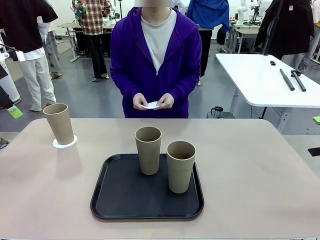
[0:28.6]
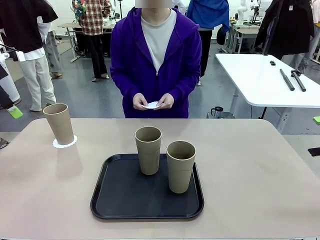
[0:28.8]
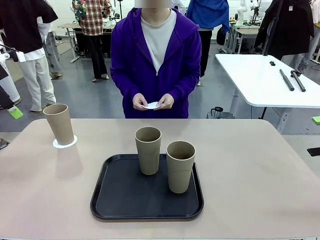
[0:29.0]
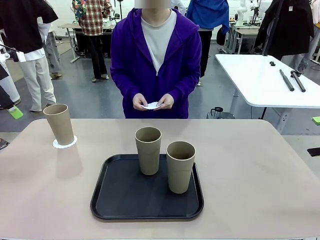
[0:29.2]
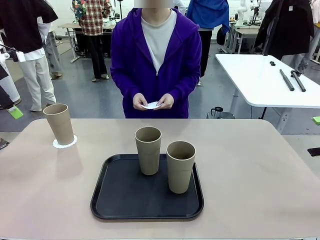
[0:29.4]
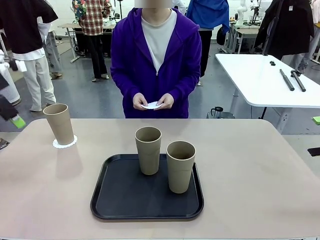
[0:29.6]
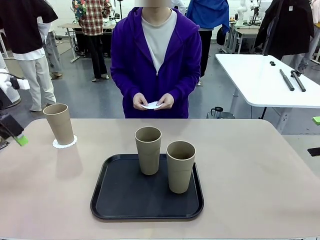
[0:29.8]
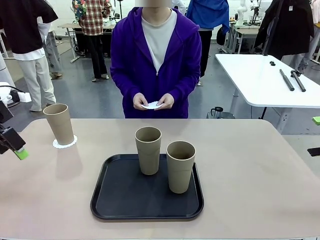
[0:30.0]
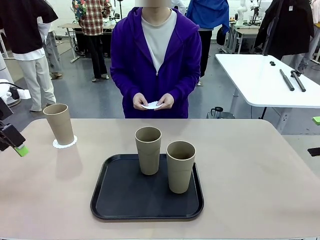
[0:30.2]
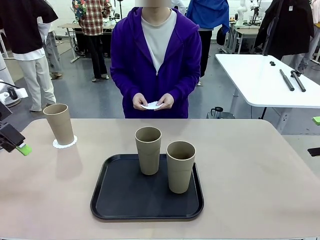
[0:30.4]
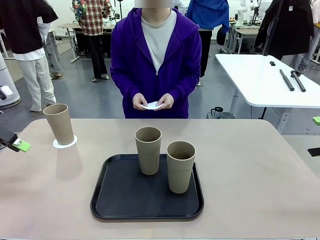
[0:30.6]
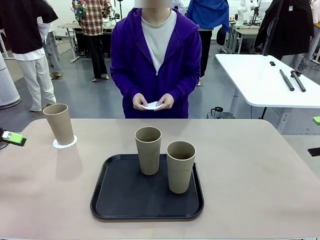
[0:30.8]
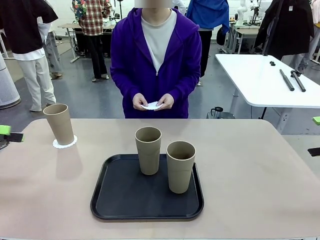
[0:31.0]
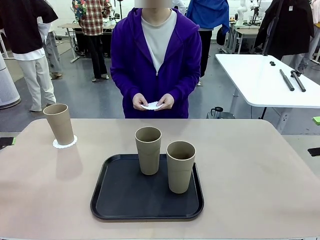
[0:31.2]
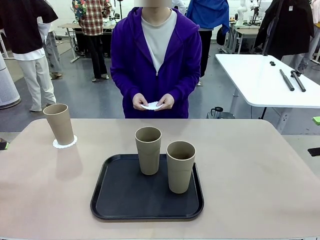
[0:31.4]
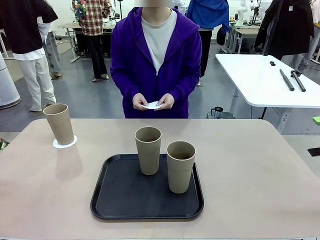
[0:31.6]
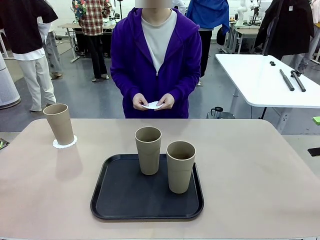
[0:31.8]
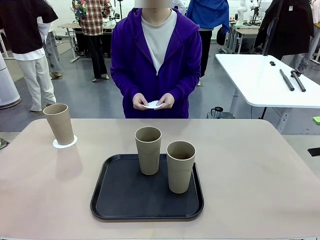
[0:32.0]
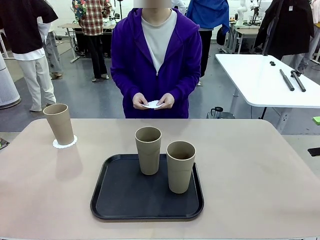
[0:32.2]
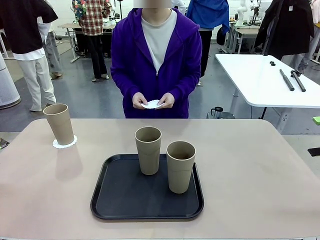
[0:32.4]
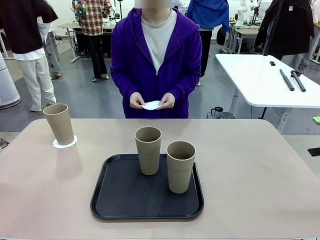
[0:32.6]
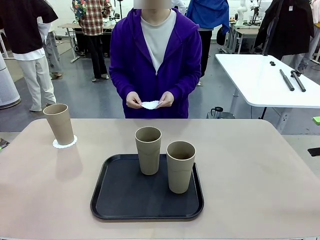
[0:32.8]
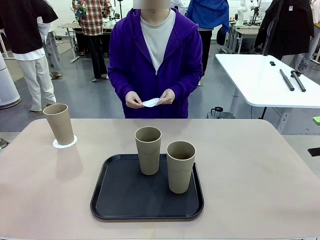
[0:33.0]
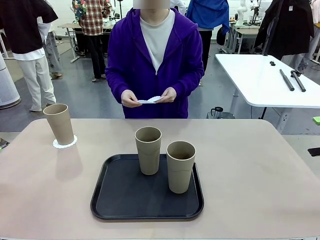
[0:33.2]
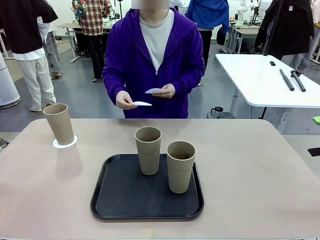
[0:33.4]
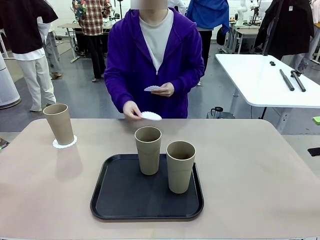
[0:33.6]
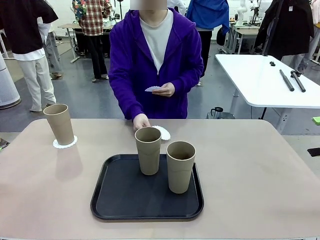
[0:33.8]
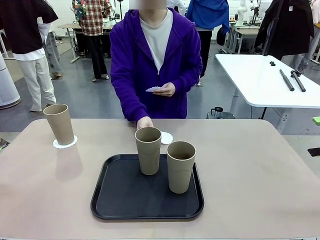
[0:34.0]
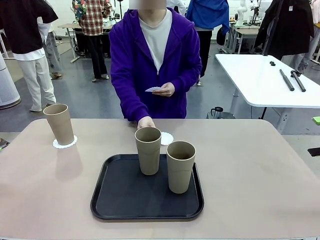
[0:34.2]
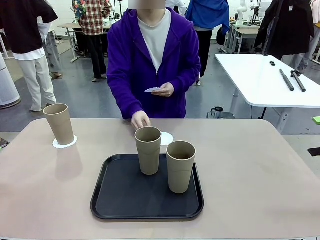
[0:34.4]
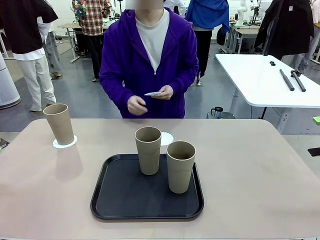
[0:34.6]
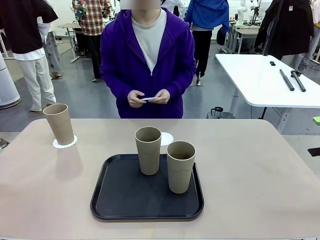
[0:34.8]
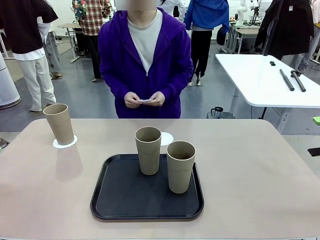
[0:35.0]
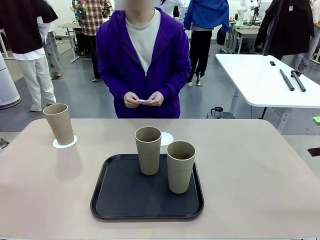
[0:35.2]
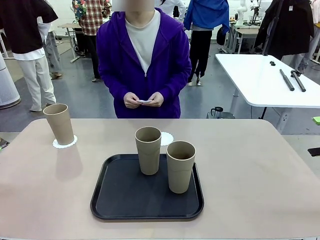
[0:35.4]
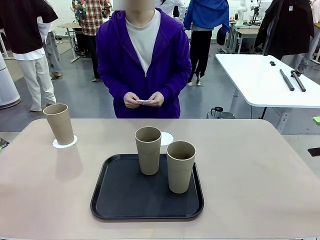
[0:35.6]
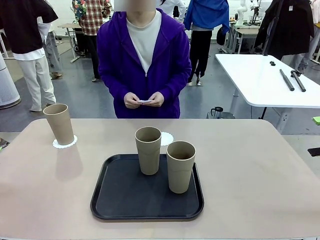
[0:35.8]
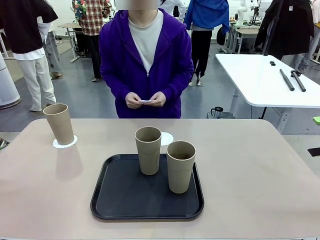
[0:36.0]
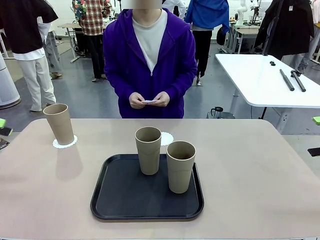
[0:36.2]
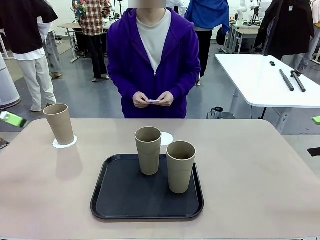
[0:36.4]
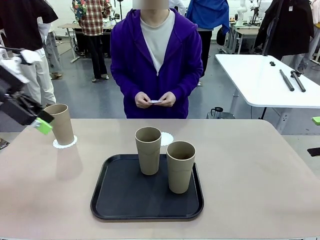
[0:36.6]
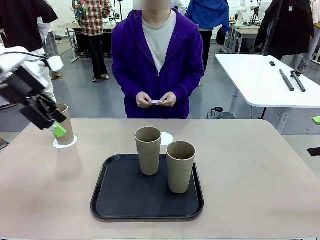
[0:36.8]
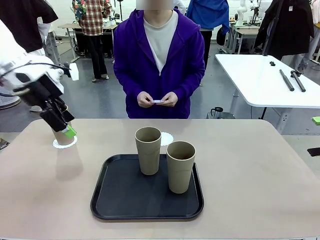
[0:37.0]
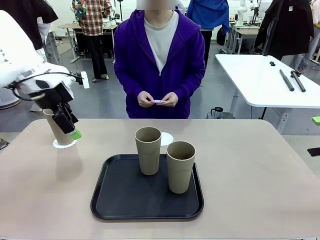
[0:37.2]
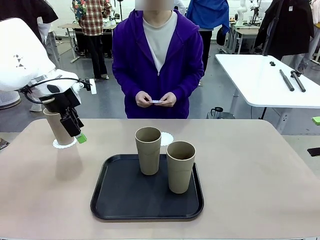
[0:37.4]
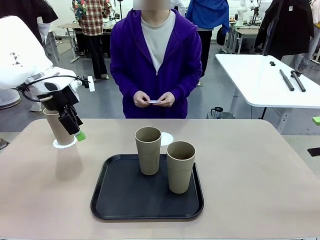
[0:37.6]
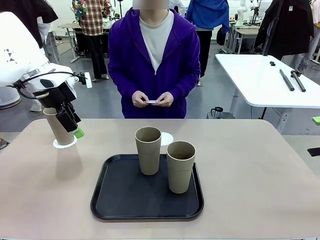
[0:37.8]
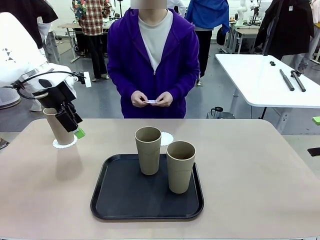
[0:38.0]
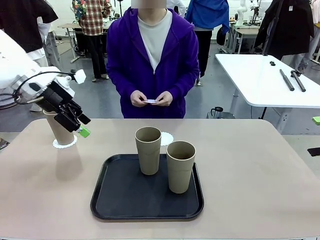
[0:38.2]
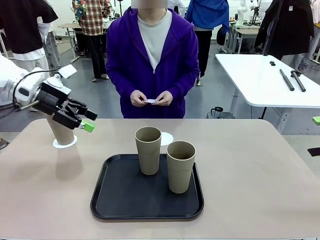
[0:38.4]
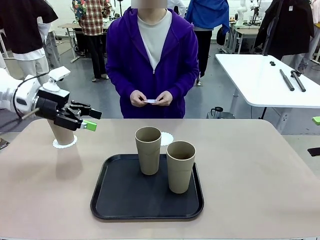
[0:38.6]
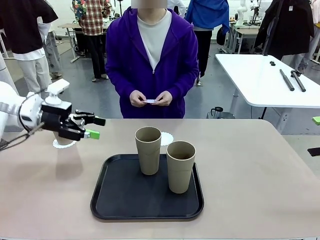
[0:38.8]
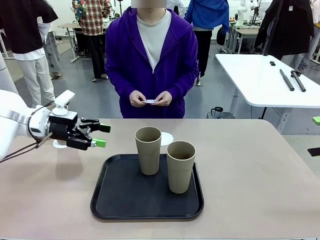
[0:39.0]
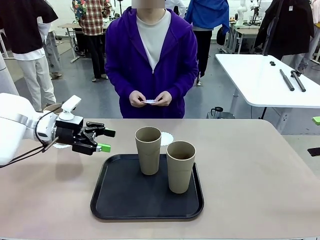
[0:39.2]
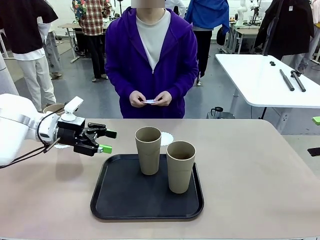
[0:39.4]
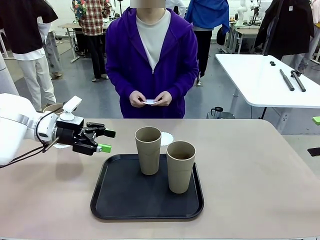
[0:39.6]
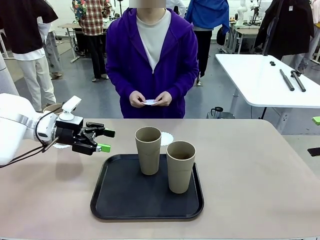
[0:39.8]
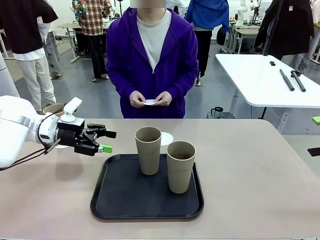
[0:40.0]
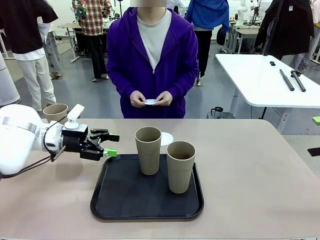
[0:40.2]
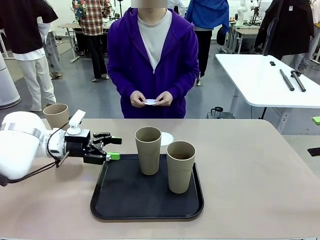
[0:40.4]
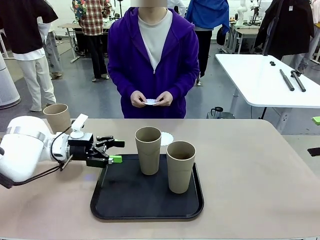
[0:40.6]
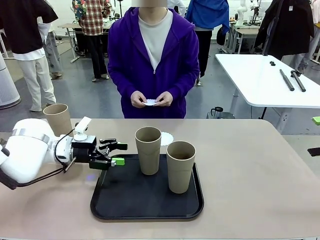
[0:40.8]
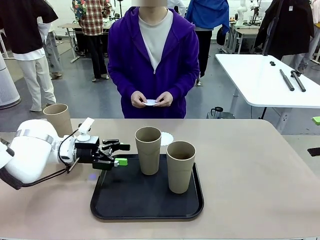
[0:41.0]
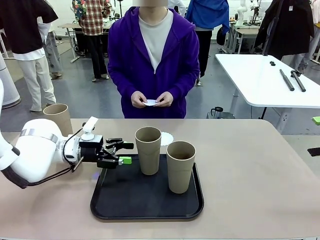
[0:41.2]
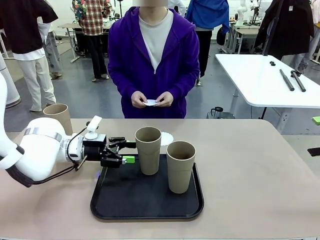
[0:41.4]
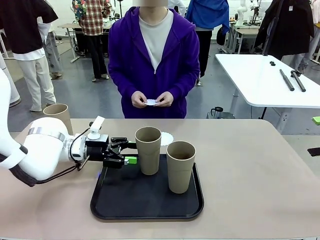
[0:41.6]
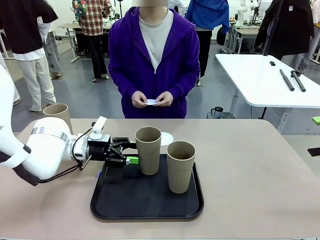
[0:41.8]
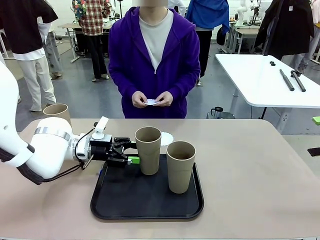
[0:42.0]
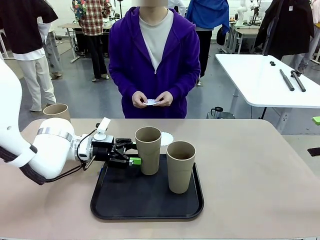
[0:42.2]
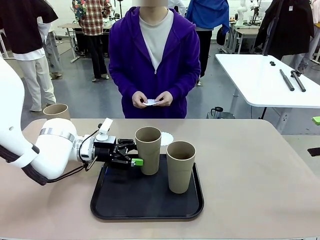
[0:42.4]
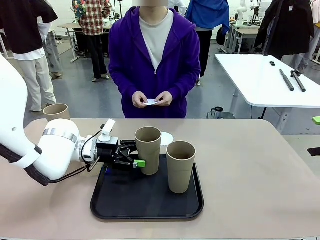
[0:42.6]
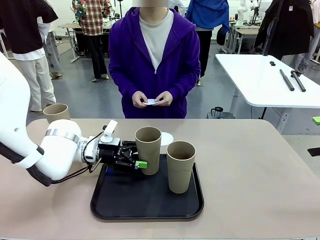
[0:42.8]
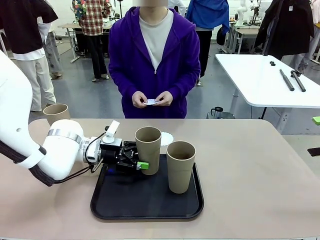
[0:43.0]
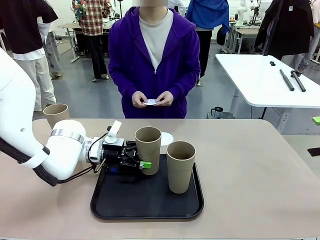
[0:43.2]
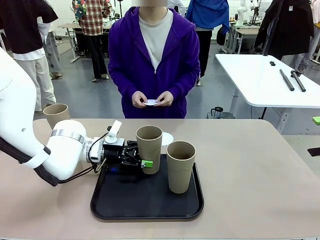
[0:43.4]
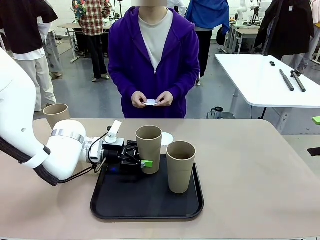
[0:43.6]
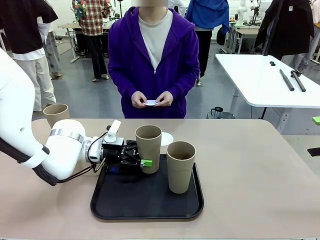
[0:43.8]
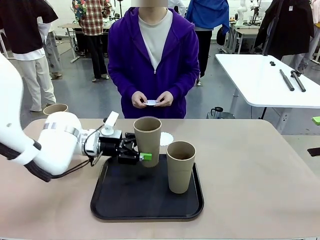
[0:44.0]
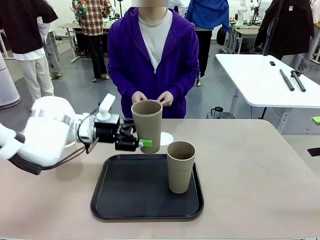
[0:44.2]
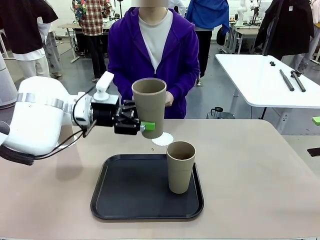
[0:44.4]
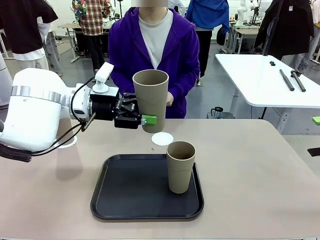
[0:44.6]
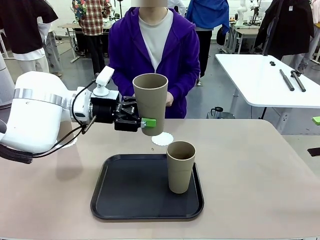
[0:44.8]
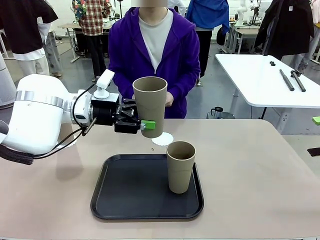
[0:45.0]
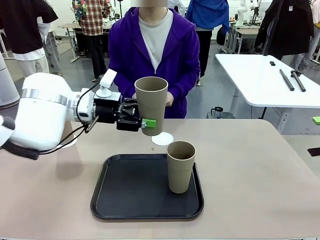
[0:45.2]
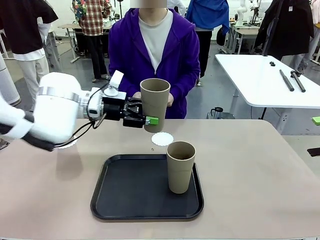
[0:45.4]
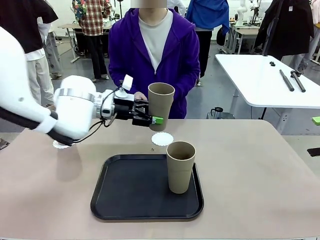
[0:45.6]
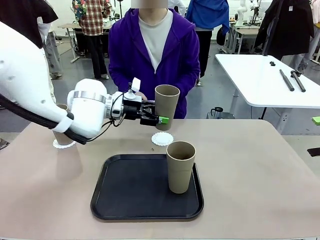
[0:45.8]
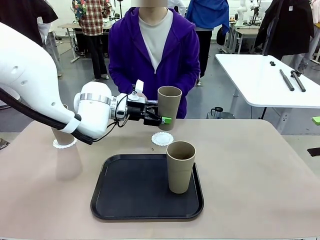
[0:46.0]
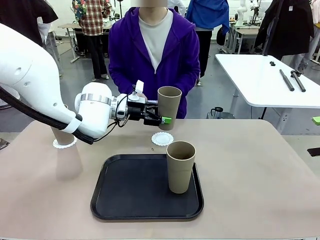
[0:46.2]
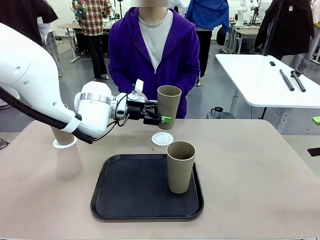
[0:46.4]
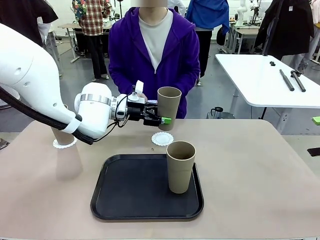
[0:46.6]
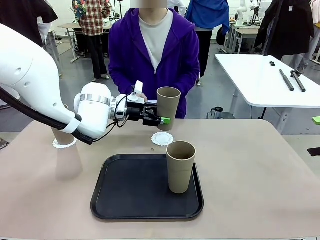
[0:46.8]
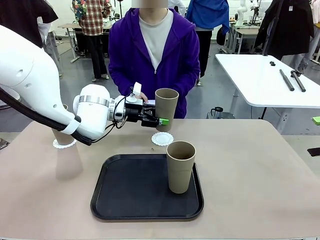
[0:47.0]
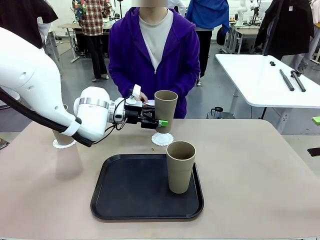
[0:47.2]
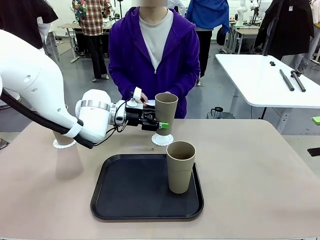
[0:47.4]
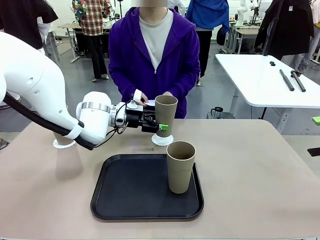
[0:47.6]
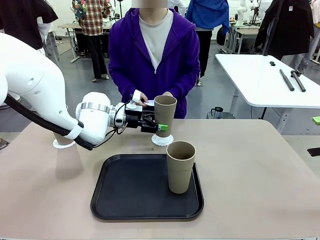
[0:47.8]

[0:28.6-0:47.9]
Task: Place coasters on the table and set cups on them.
Robot: Take one Reusable plastic cup from the Flat Tray and place it on a coaster set by the human.
